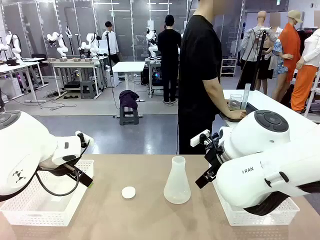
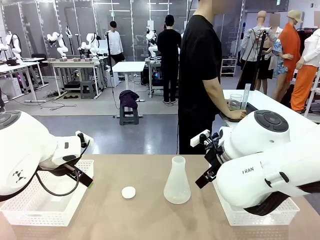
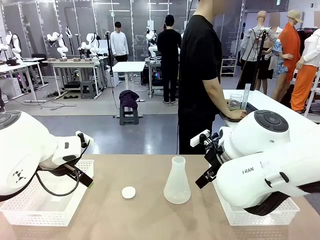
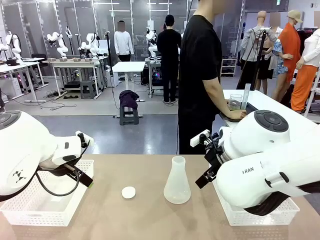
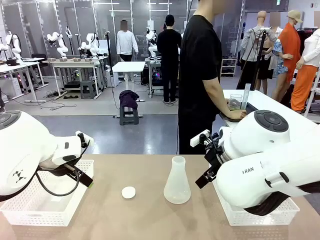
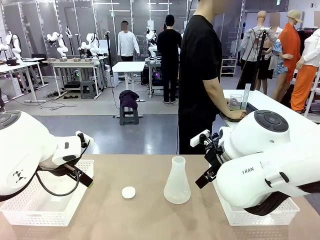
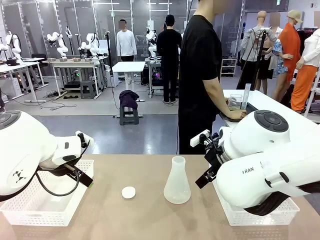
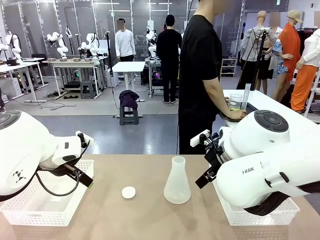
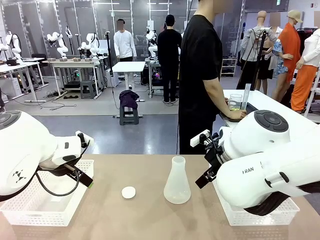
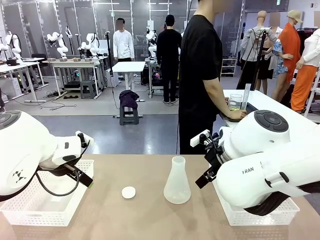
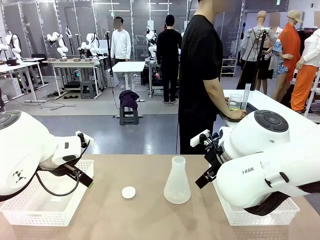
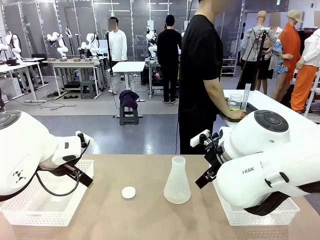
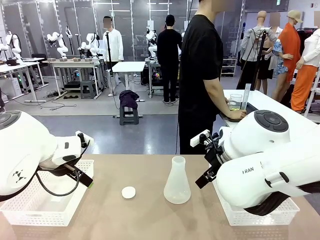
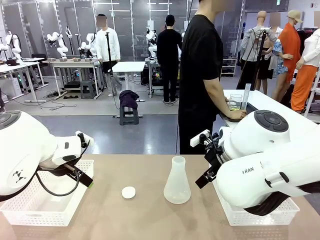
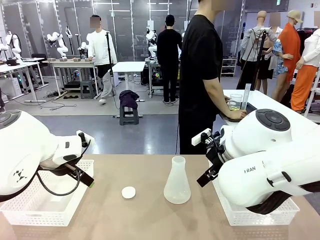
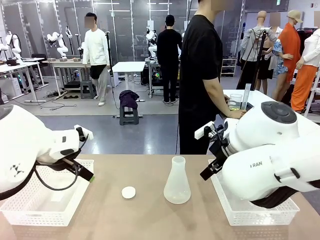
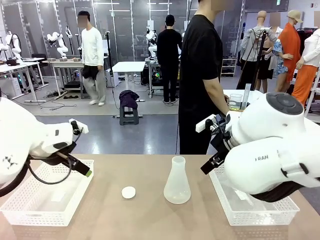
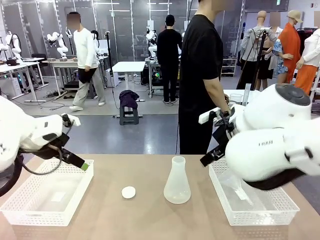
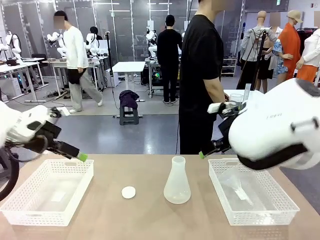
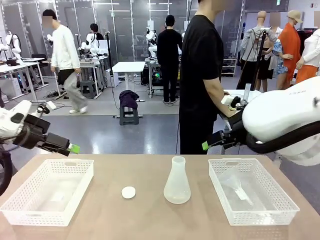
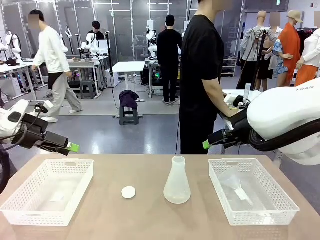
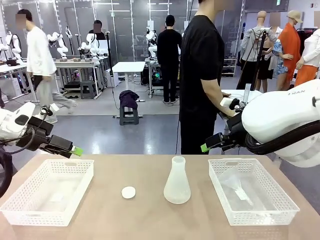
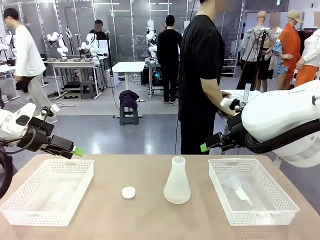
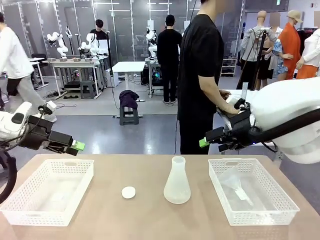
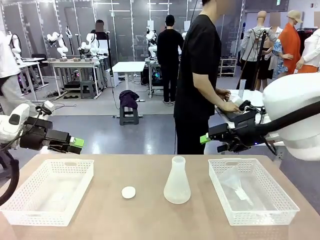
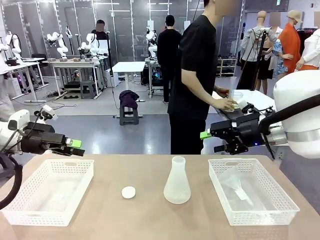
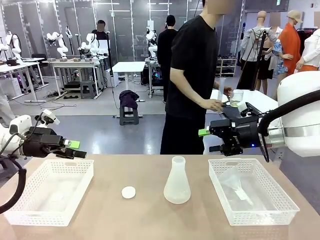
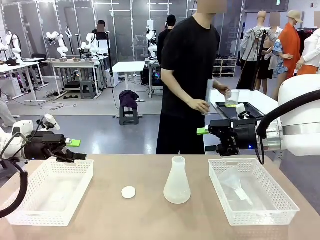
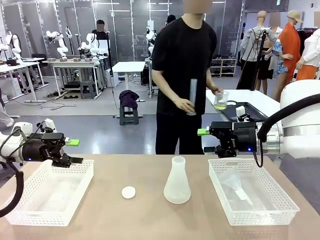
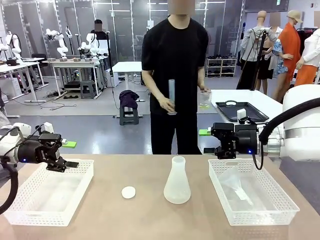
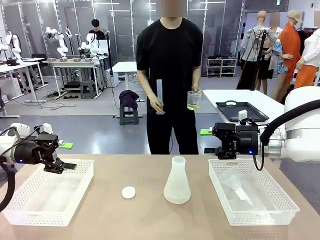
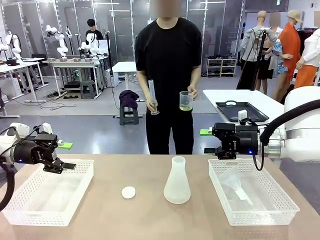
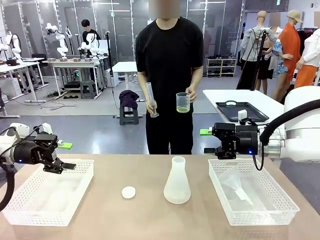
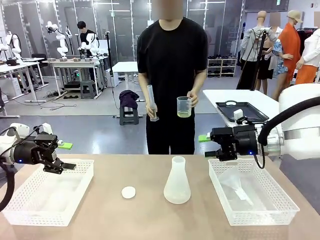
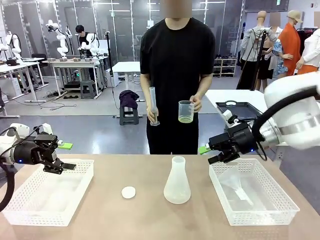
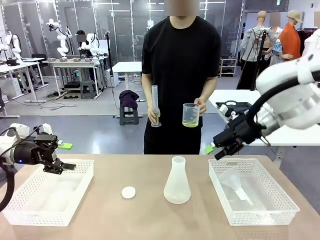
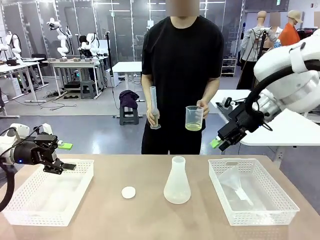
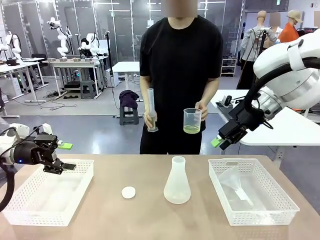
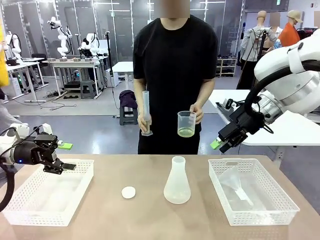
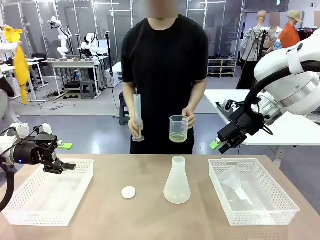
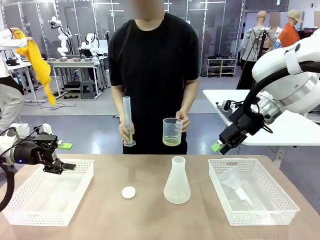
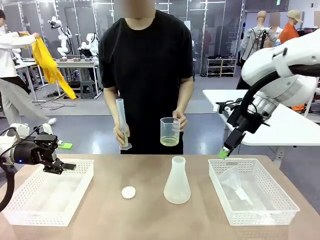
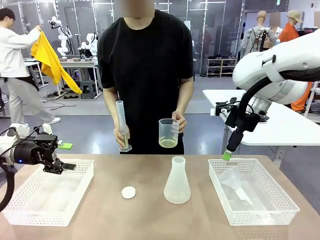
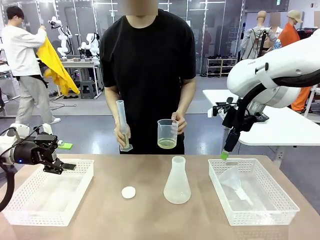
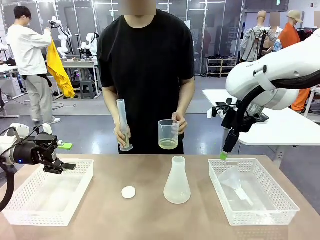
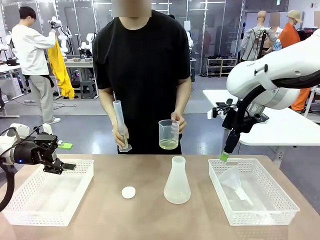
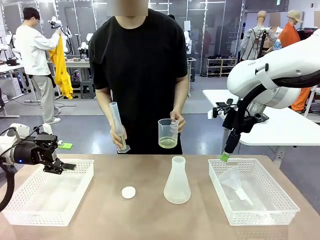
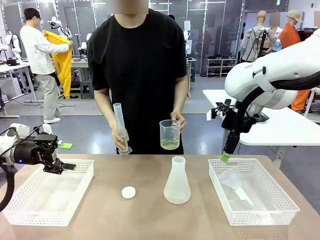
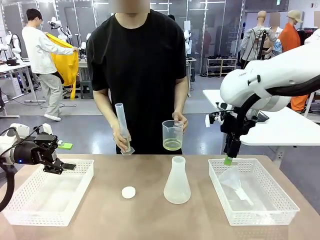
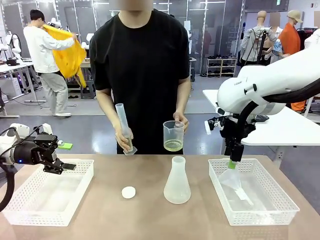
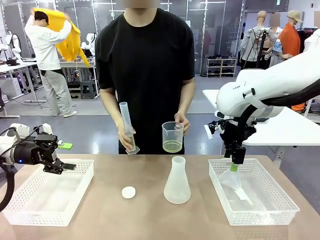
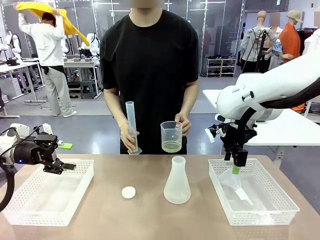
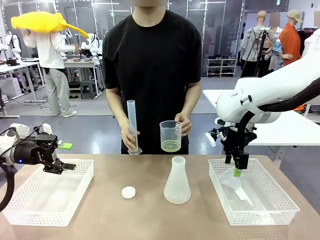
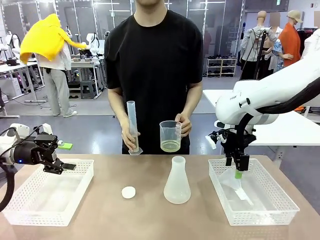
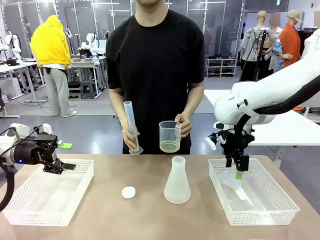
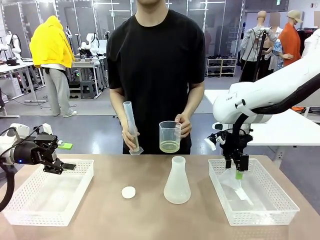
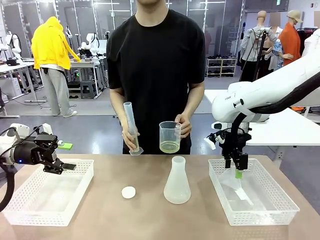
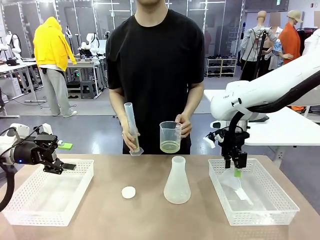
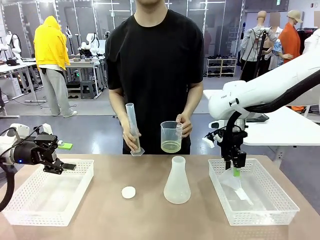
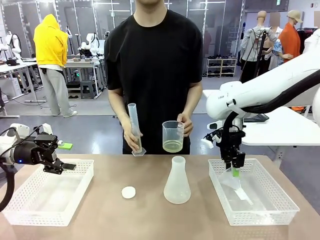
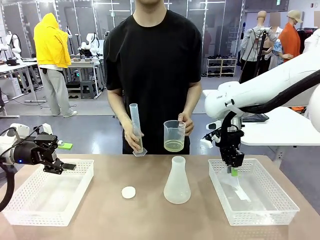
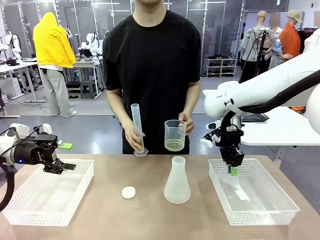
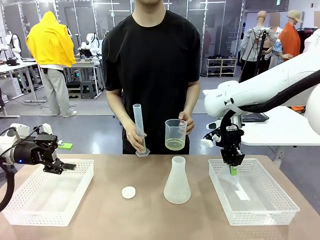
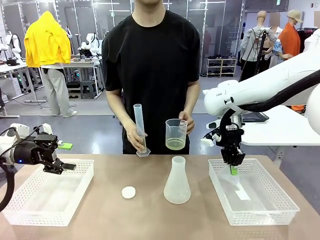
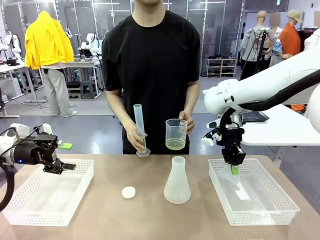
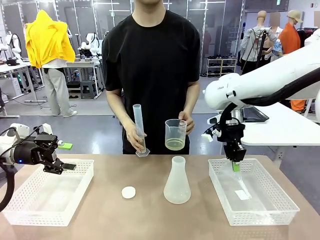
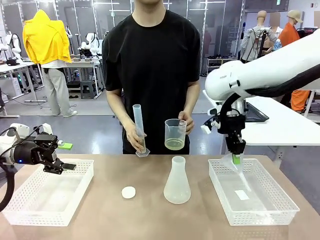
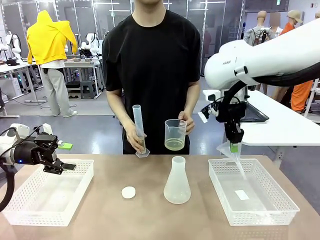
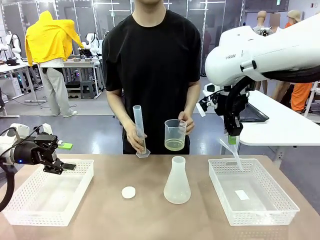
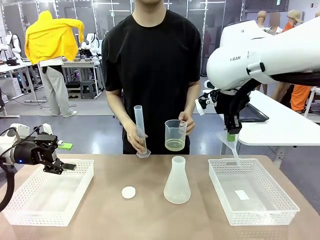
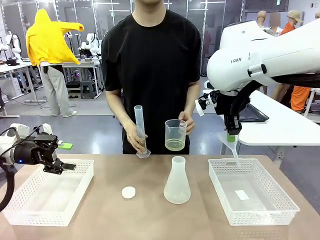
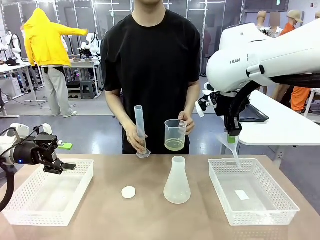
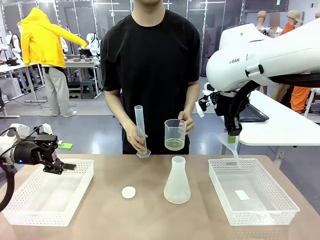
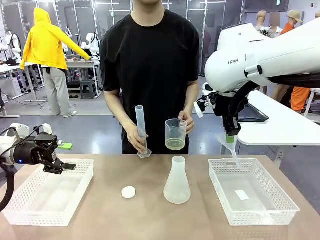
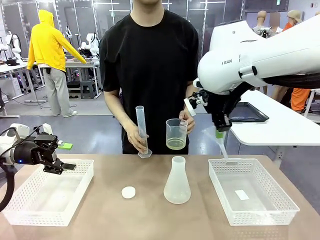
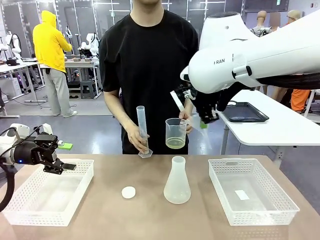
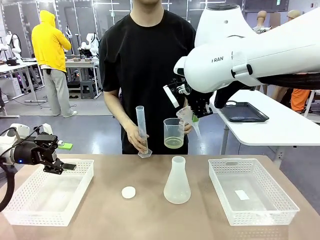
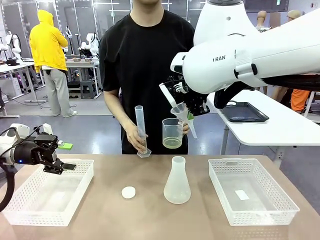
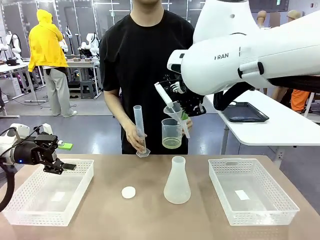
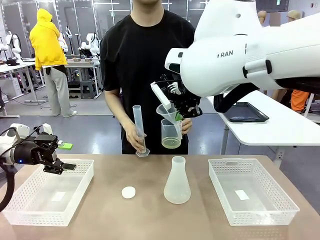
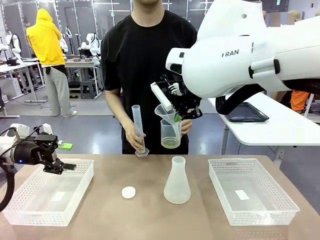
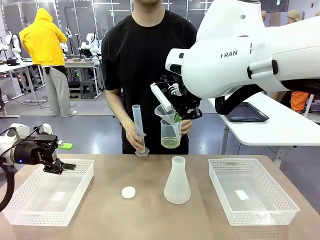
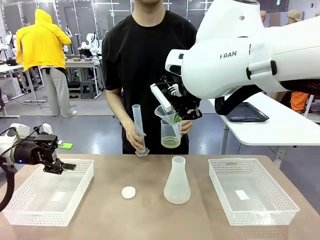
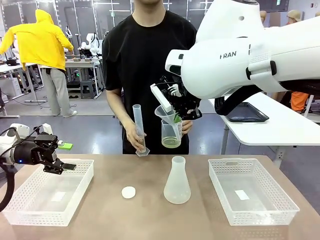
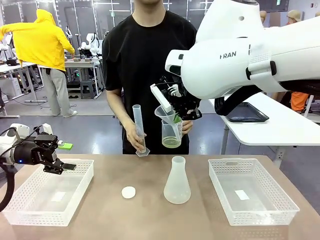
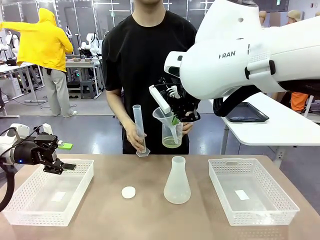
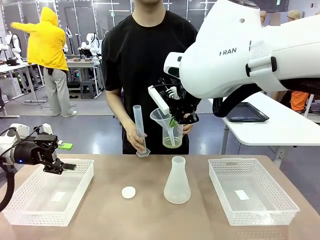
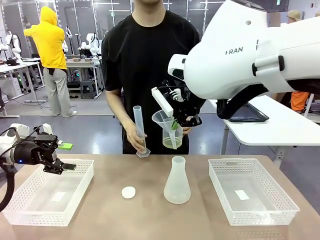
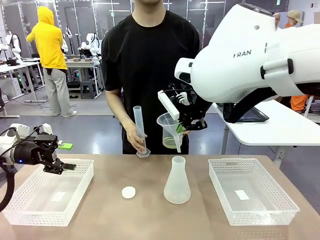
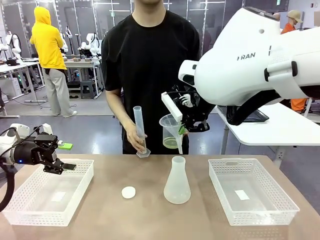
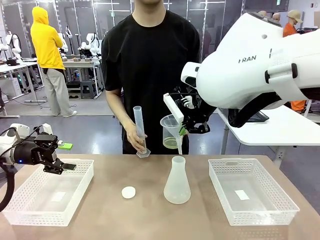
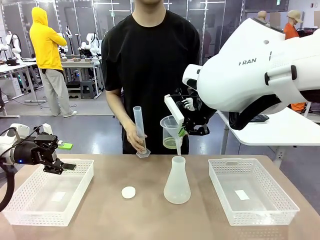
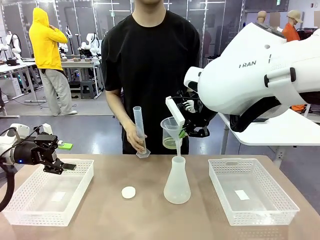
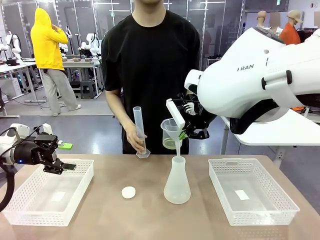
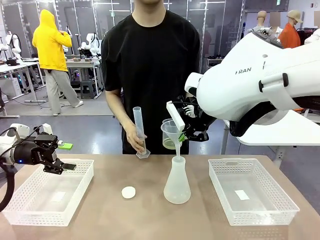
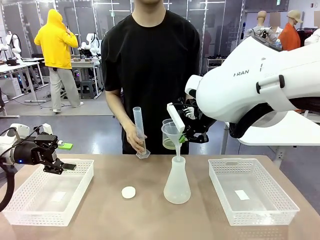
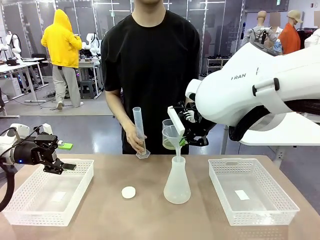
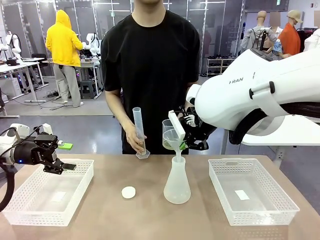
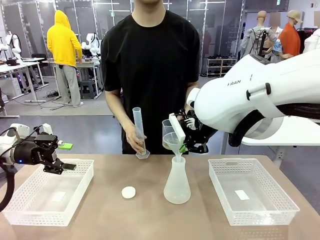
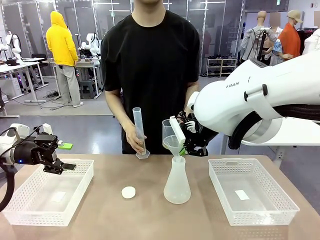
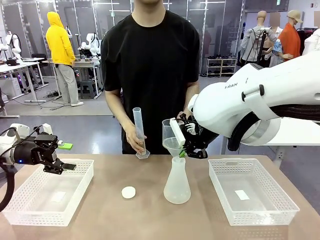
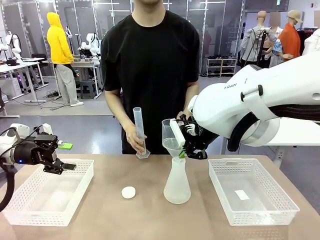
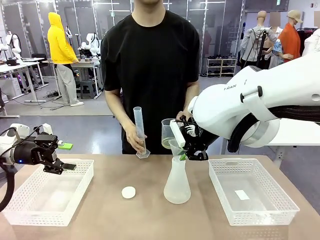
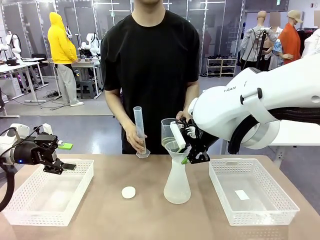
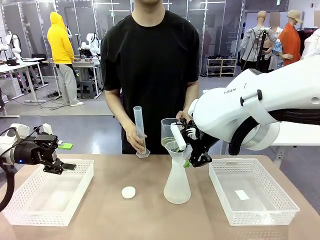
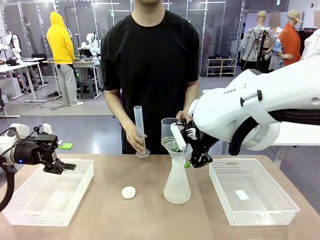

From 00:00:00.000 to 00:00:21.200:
Task: Prepare the solutions needed for the experiment.
Robot: Pick up the Plastic Funnel and insert it into the Big flask.
Person: Pick up the beaker and the cylinder and move to the middle of the robot table. Pour the solution from the beaker and the cylinder into the flask.
